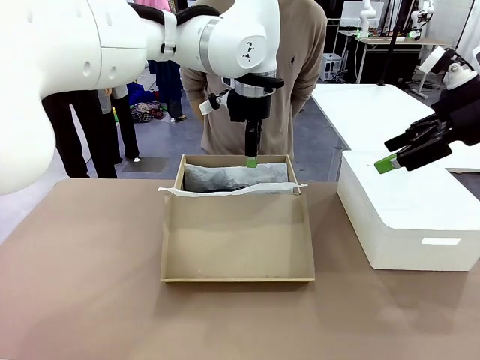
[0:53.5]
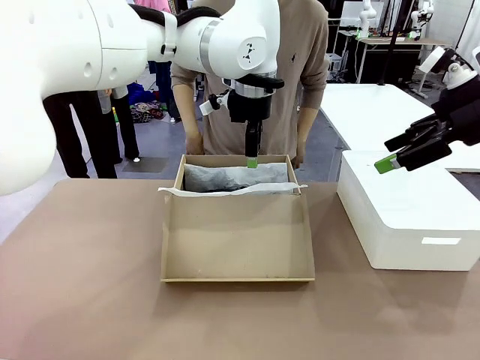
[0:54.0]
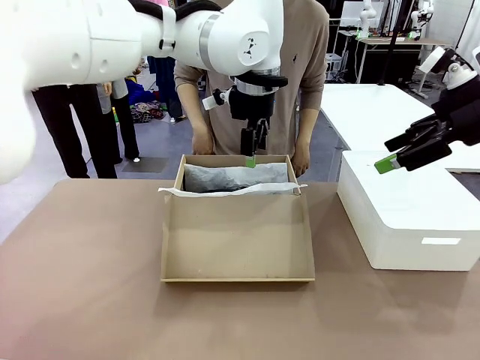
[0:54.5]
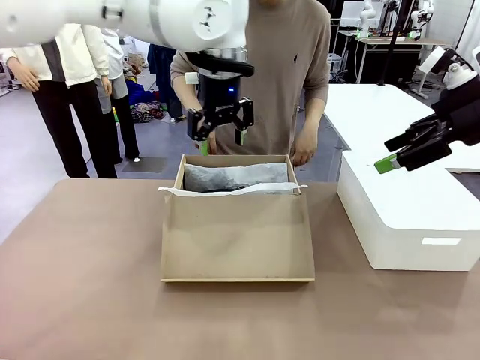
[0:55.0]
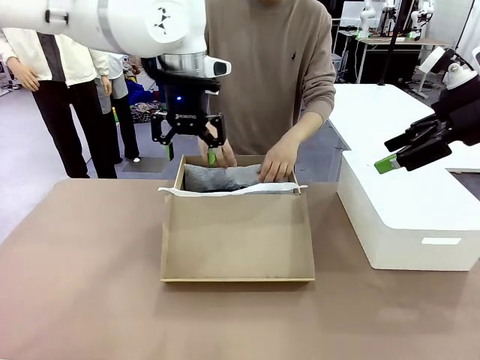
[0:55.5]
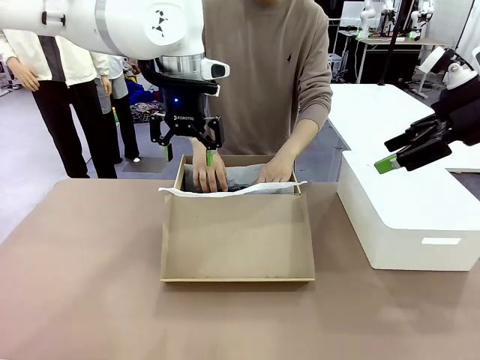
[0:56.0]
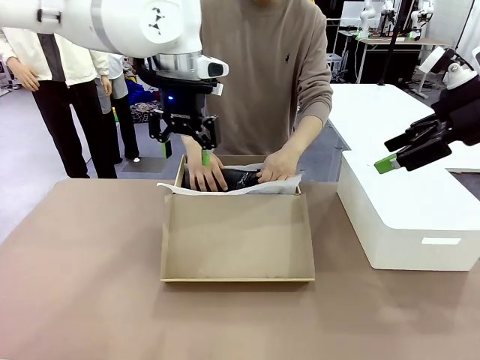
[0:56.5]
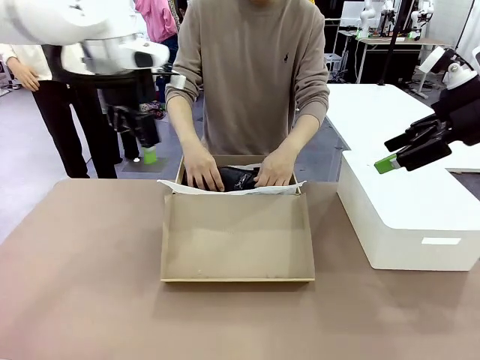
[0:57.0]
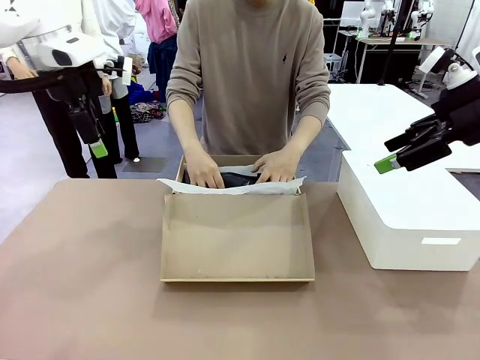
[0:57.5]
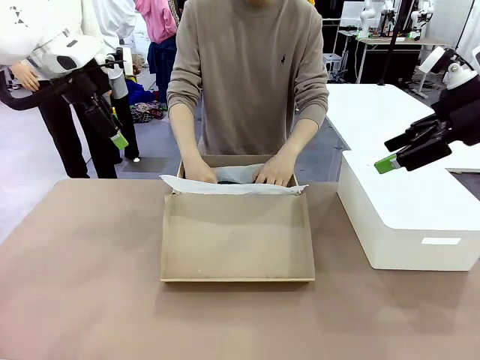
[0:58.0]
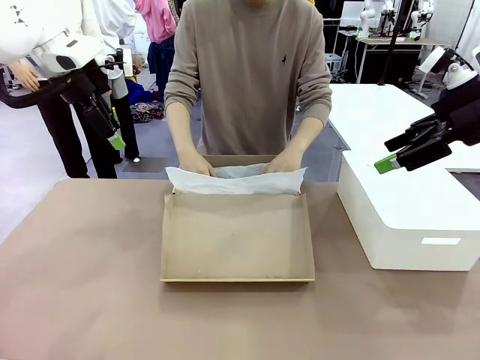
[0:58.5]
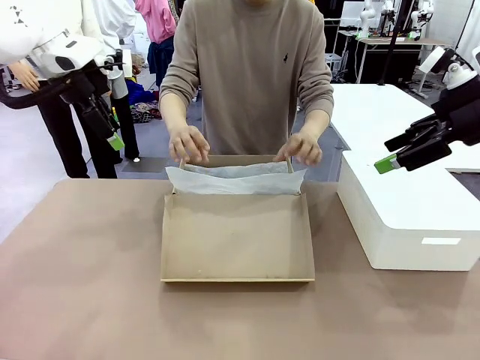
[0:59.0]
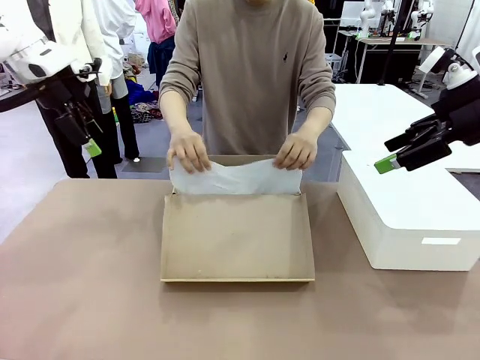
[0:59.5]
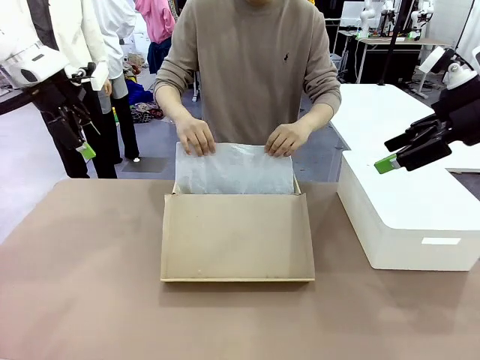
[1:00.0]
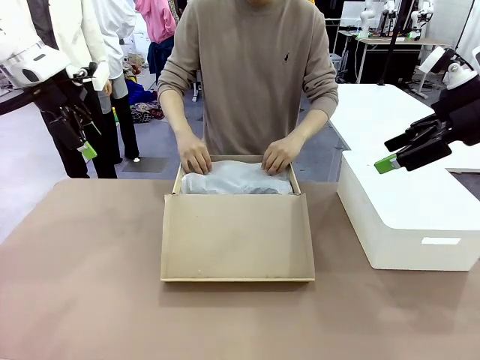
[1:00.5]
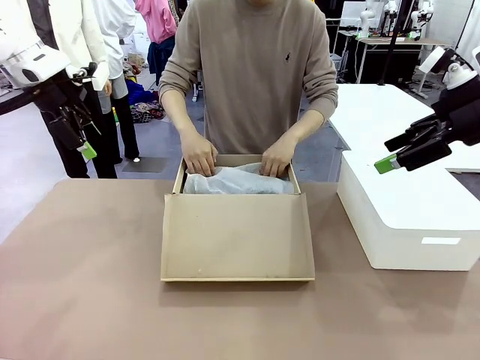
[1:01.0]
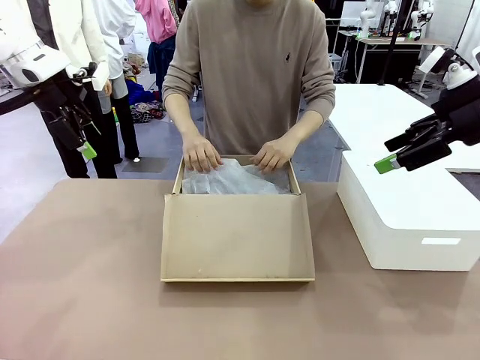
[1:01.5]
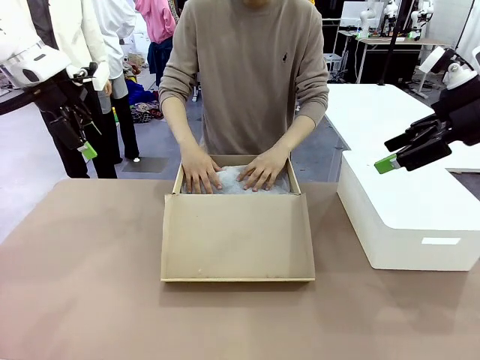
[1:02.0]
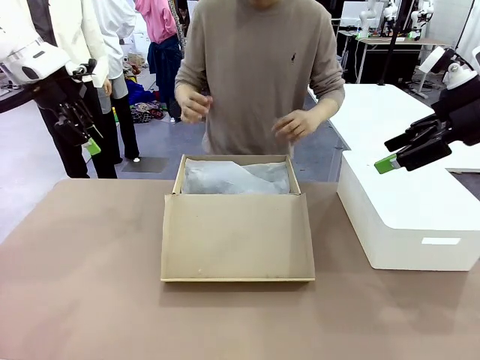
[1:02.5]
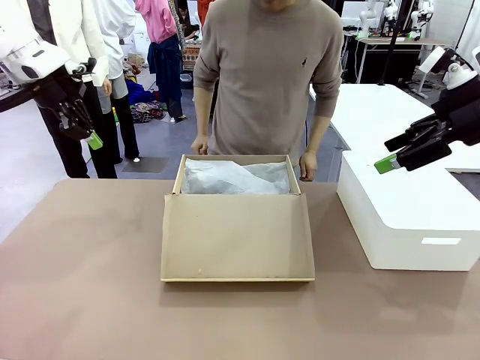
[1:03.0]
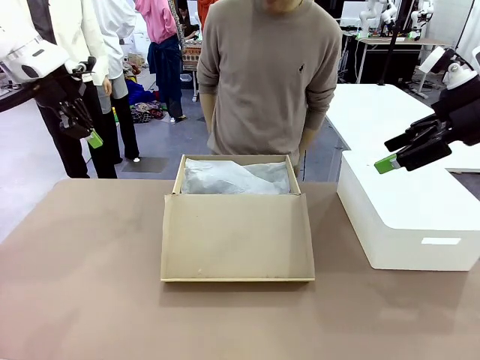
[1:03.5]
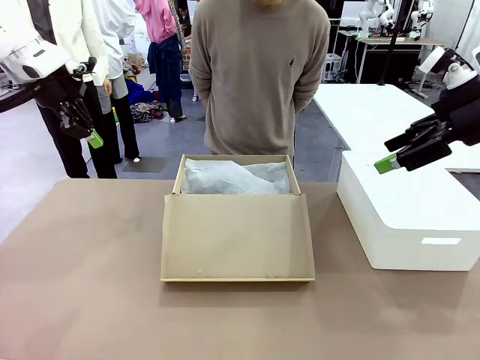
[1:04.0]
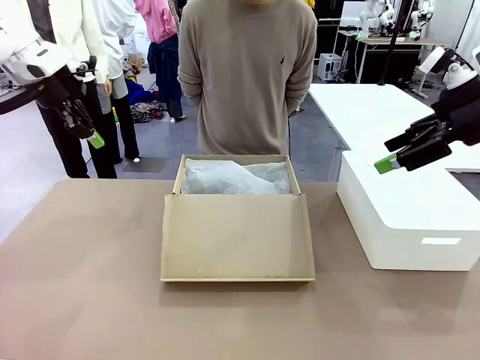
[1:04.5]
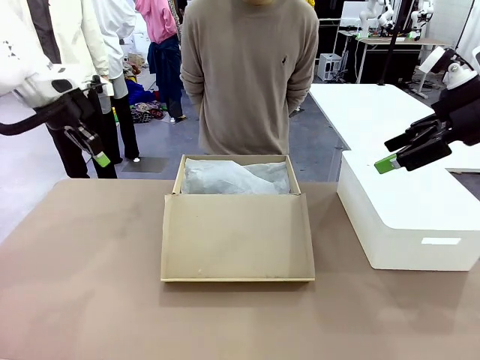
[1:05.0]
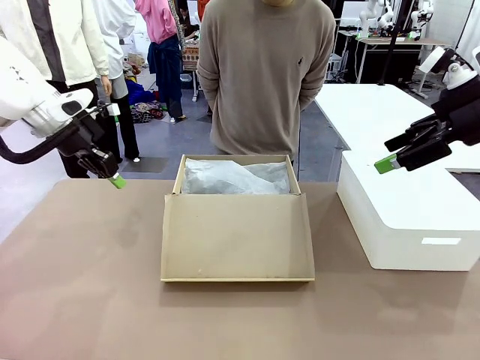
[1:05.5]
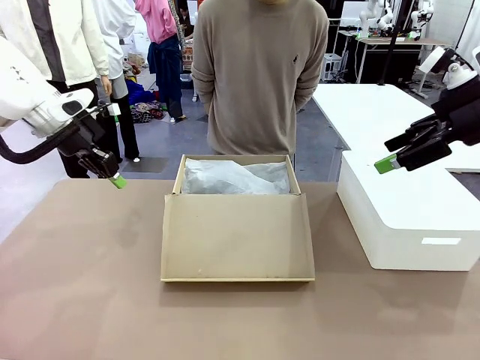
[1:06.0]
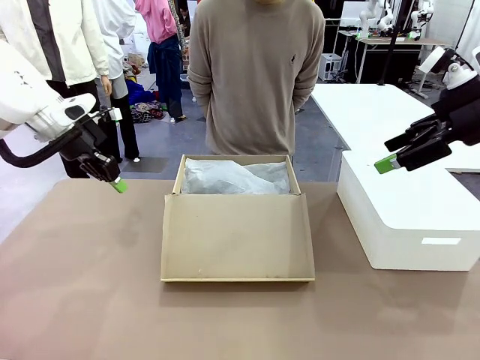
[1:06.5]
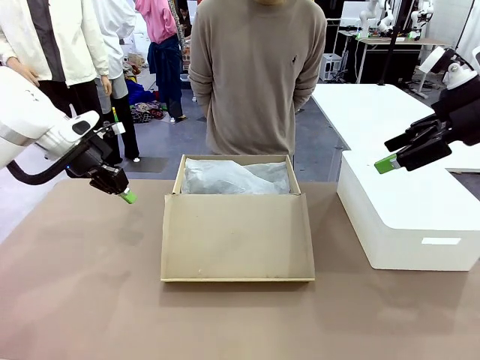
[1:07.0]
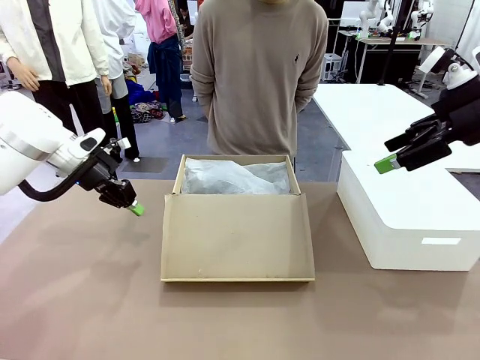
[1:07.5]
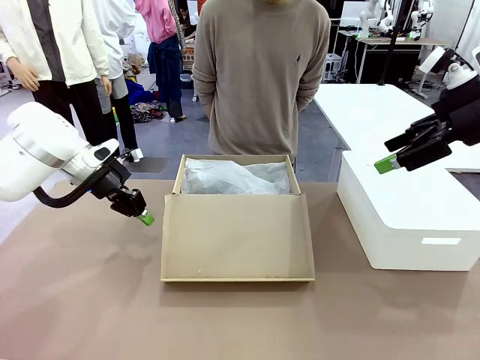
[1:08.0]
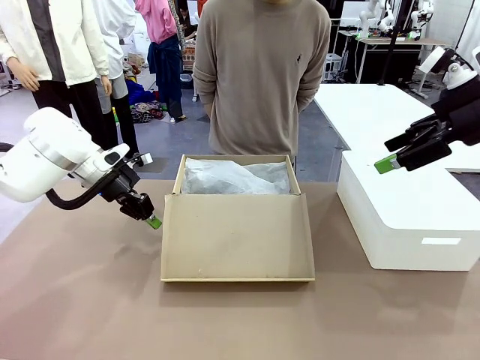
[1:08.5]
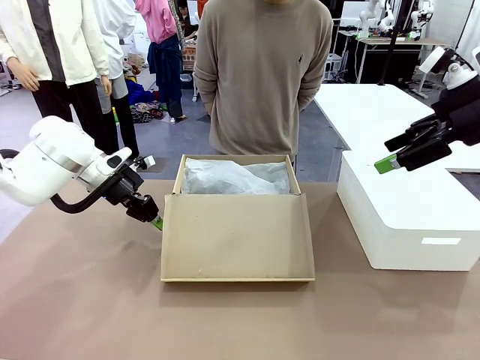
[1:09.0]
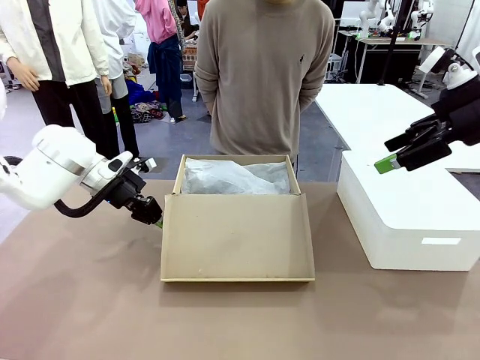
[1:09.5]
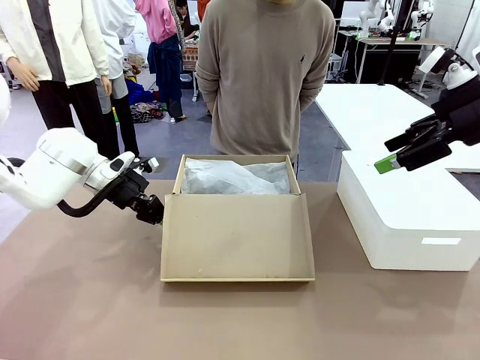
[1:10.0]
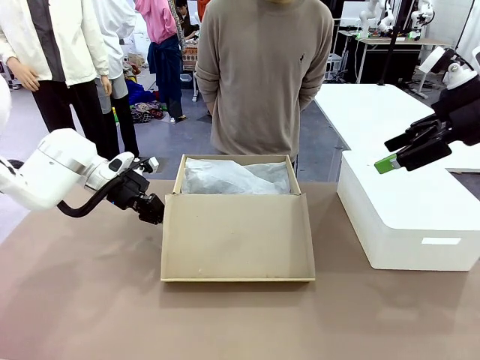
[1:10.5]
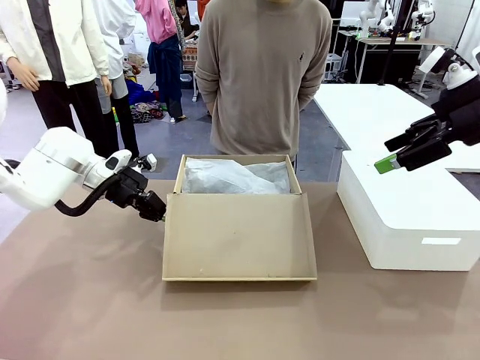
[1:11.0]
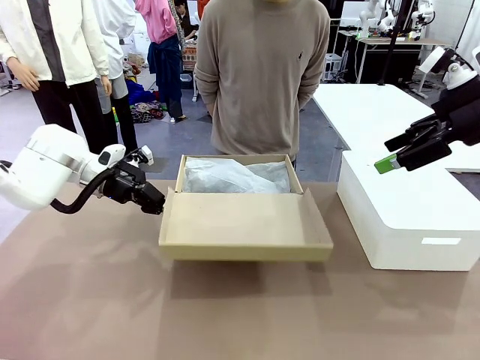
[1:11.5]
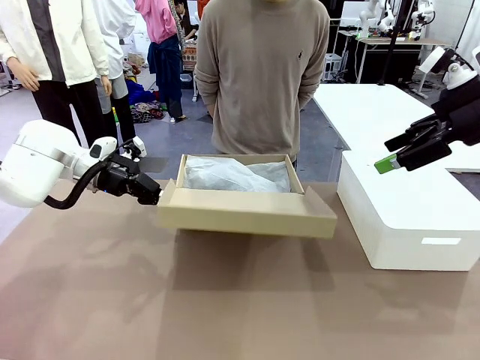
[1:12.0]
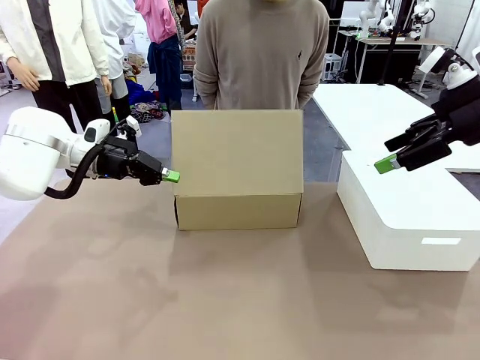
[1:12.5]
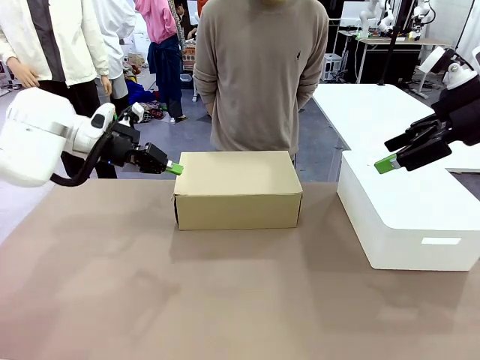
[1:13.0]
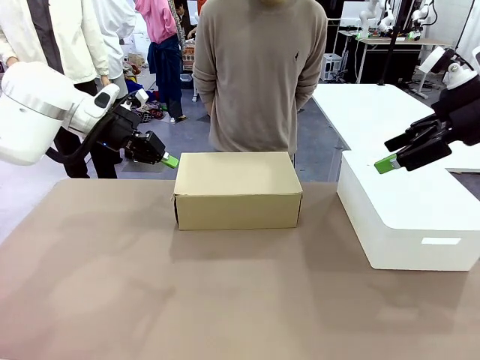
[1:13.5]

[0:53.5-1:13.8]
Task: Pack the shoes into the box.
Robot: Close the Shoes Box.

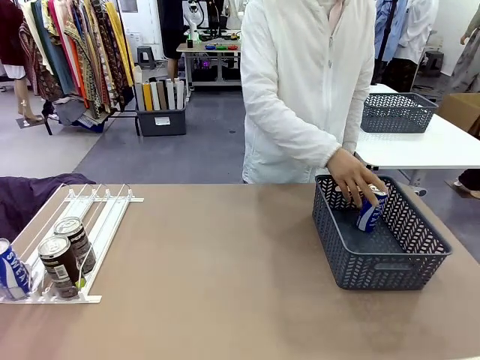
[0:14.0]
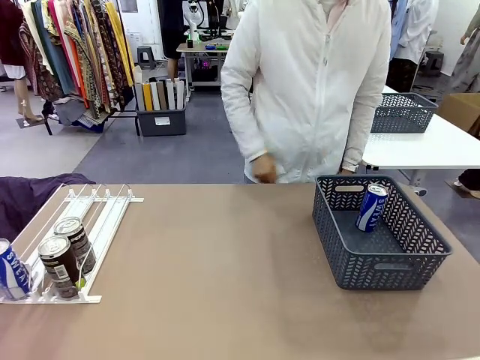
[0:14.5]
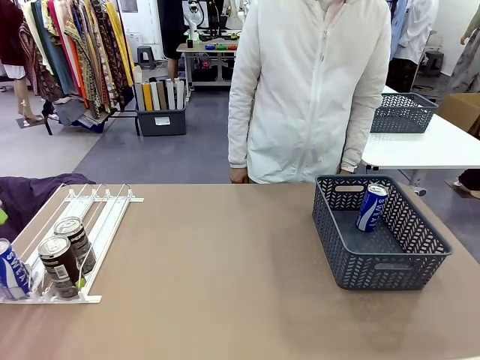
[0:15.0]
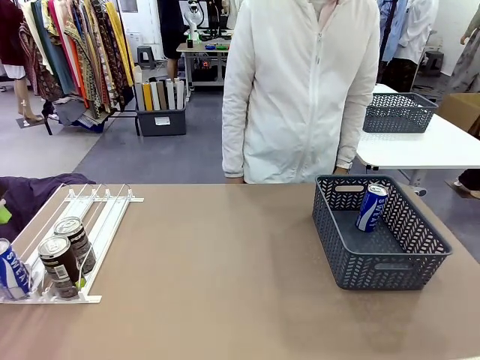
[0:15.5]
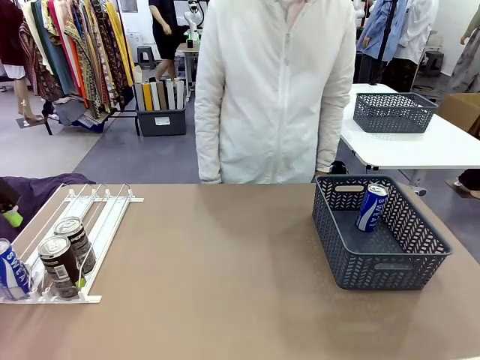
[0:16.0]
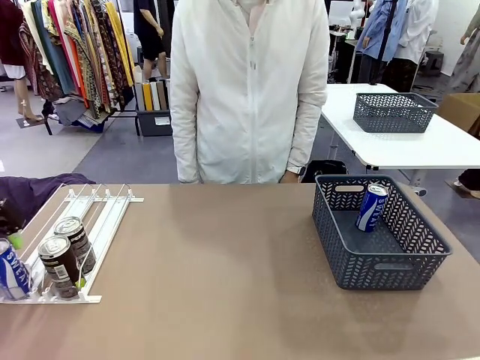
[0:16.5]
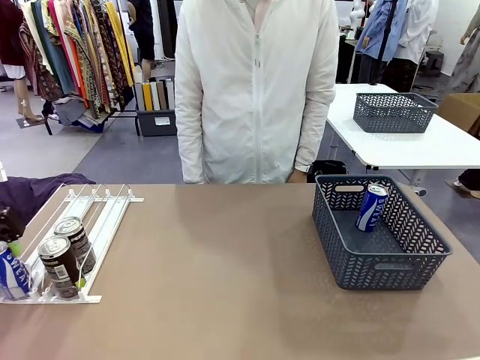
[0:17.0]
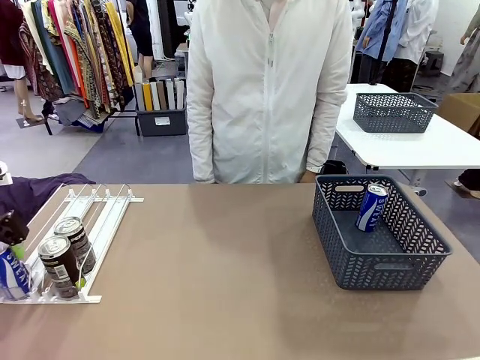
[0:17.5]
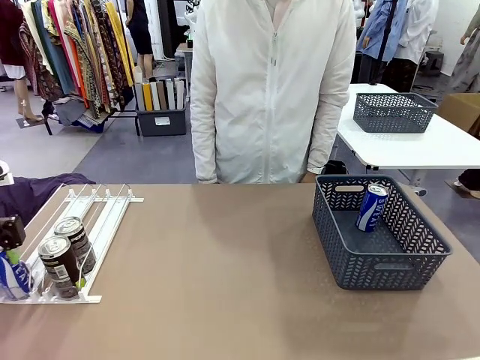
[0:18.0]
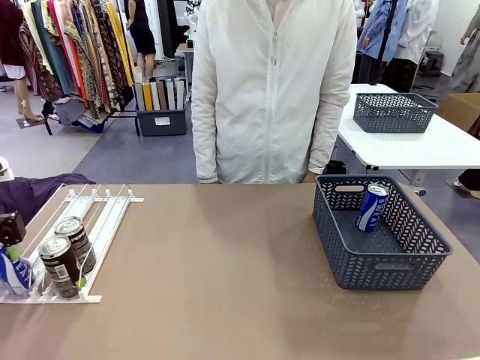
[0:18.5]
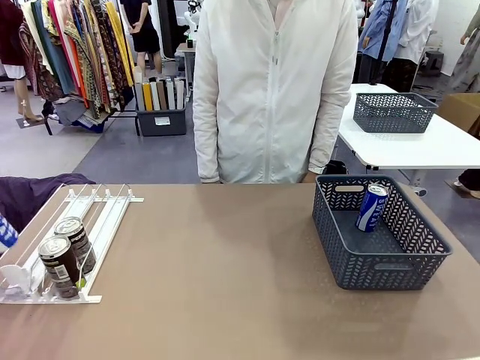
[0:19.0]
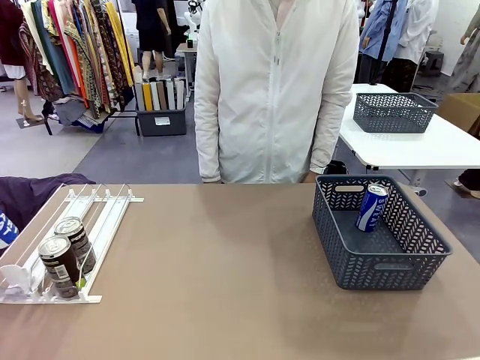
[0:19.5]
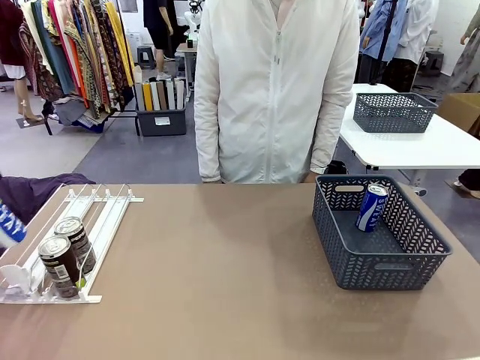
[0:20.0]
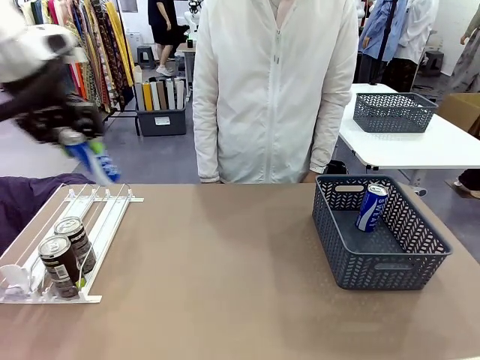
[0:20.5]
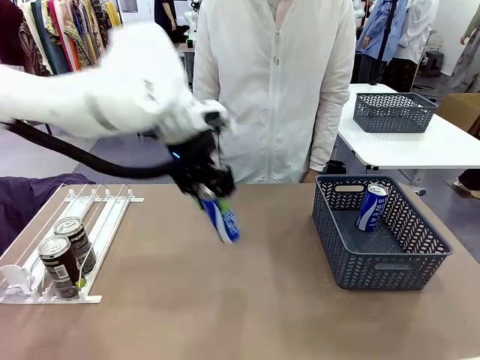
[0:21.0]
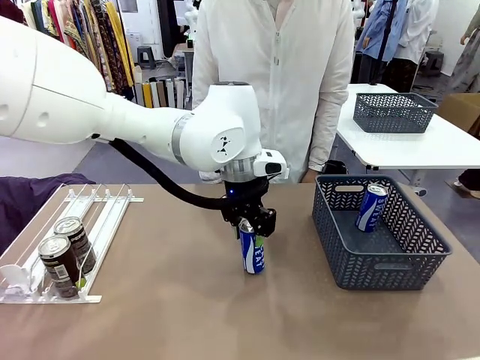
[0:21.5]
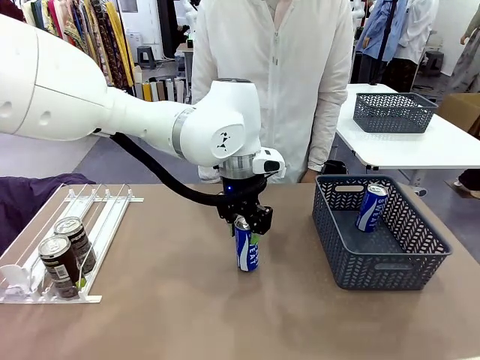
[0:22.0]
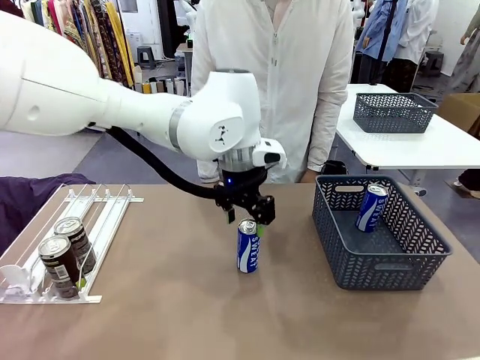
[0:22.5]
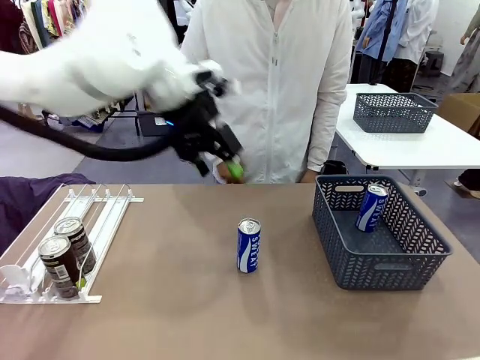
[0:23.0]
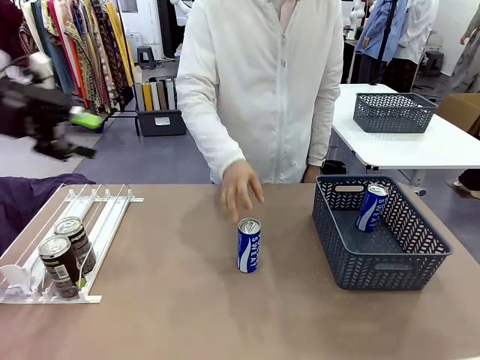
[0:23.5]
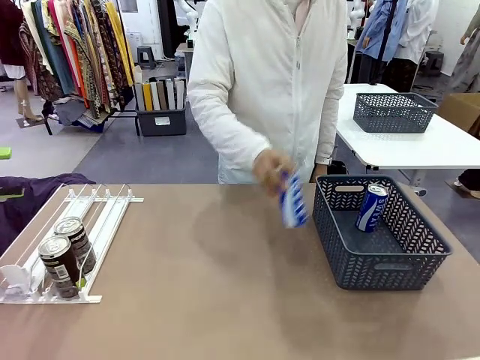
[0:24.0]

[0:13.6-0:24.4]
Task: Retrieve and store the cans from the dispenser.
Robot: Pick up the last remaining can from one row of the Automatic Can Dispenser and place it in the middle of the table.
Person: Pick up one Pepsi can from the middle of the robot table and place it in the basket.
